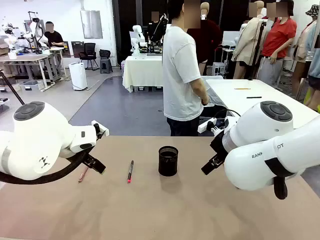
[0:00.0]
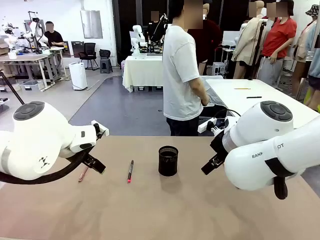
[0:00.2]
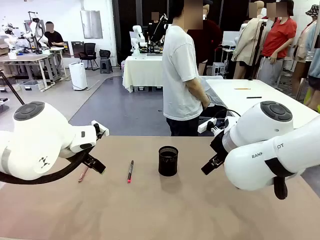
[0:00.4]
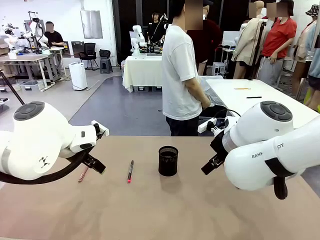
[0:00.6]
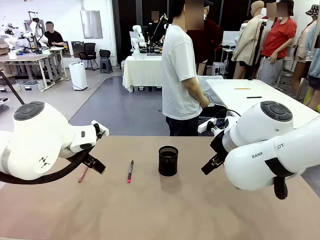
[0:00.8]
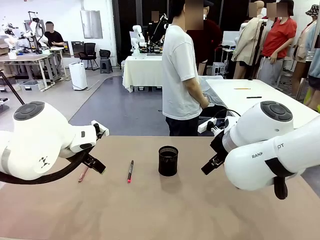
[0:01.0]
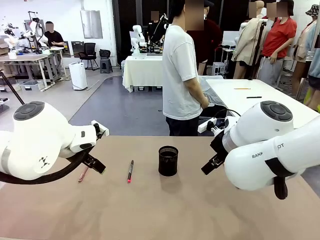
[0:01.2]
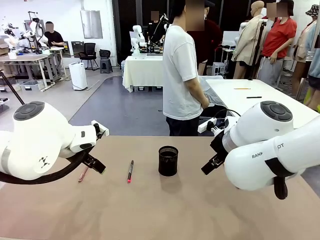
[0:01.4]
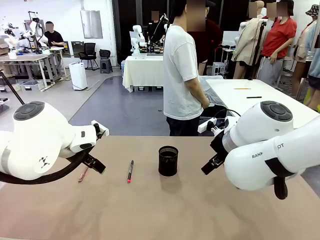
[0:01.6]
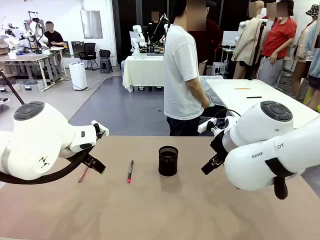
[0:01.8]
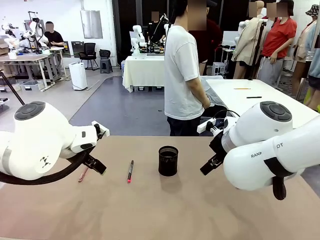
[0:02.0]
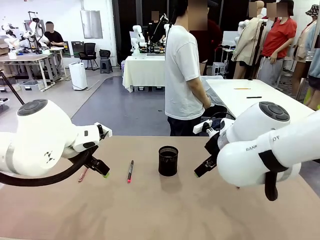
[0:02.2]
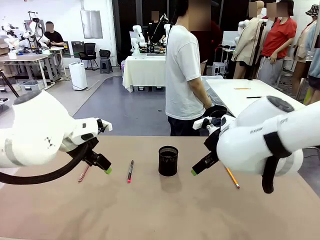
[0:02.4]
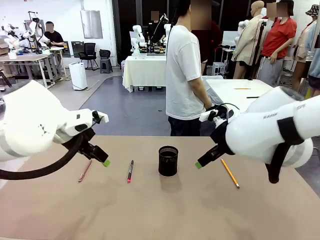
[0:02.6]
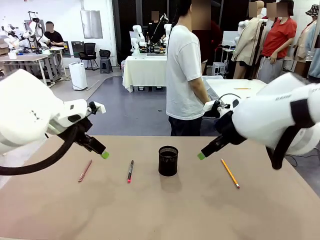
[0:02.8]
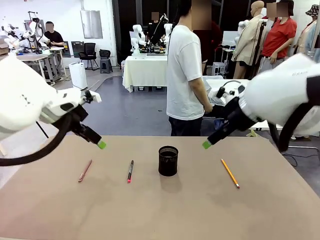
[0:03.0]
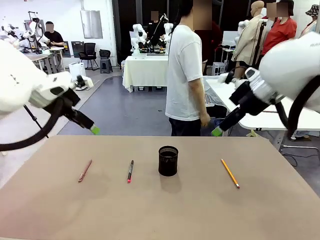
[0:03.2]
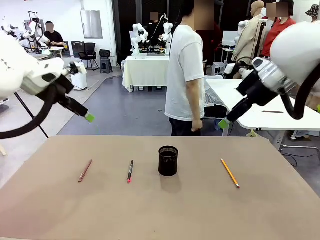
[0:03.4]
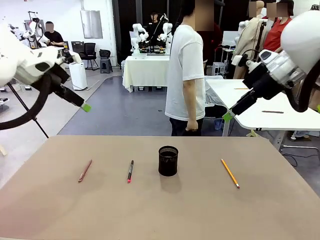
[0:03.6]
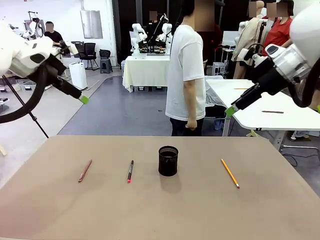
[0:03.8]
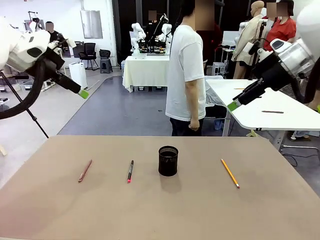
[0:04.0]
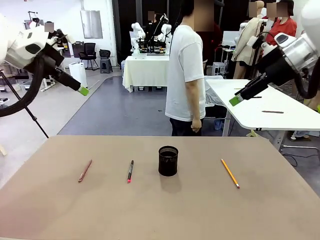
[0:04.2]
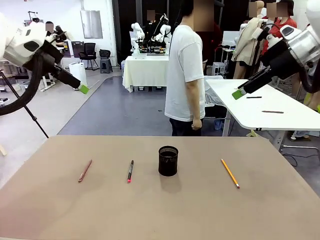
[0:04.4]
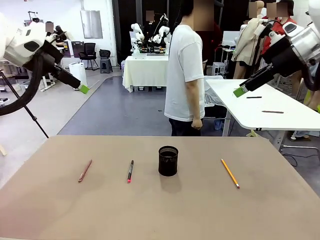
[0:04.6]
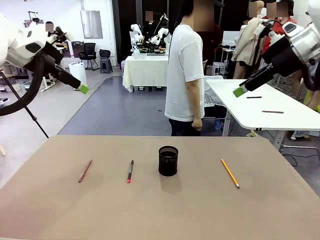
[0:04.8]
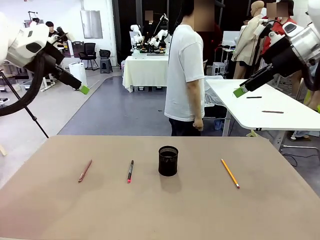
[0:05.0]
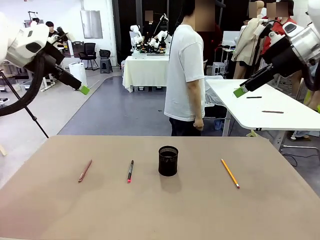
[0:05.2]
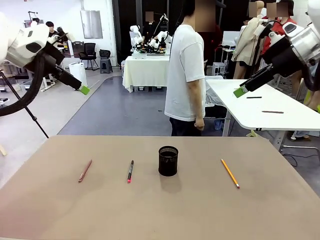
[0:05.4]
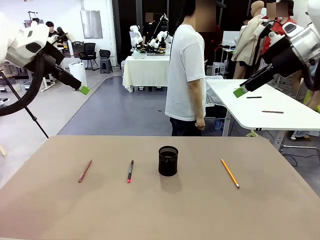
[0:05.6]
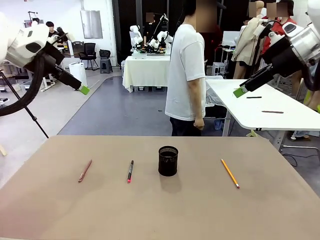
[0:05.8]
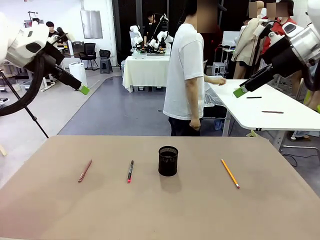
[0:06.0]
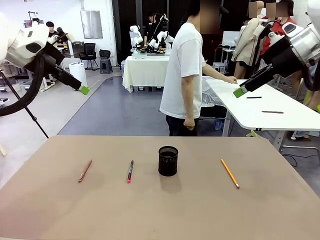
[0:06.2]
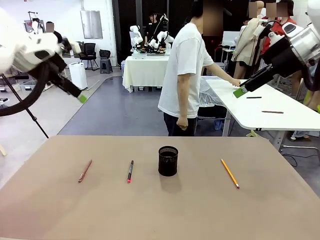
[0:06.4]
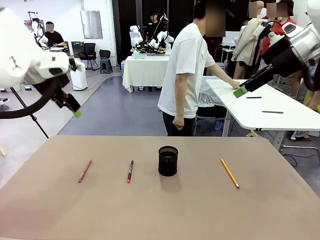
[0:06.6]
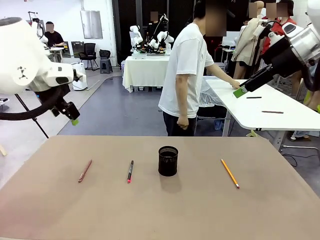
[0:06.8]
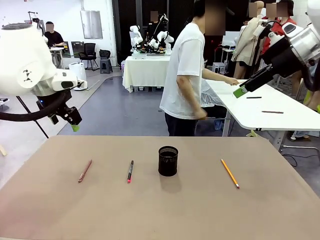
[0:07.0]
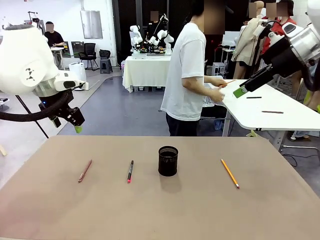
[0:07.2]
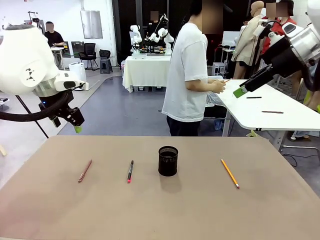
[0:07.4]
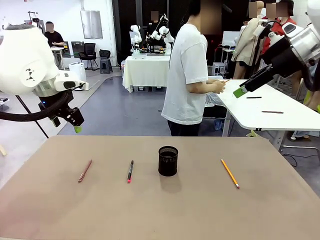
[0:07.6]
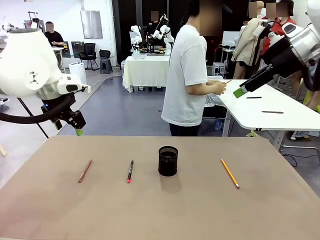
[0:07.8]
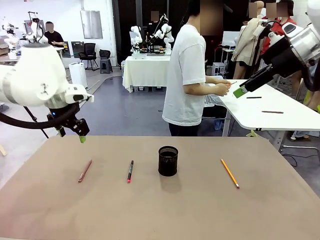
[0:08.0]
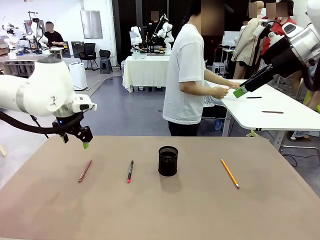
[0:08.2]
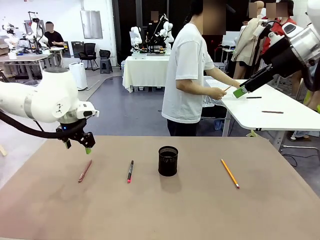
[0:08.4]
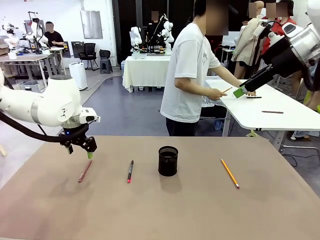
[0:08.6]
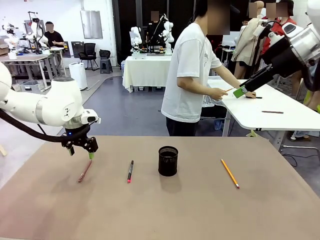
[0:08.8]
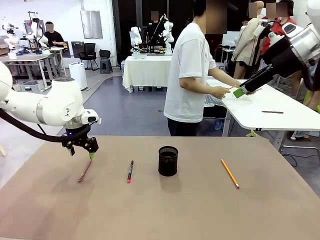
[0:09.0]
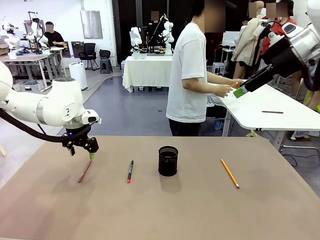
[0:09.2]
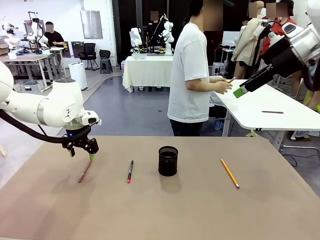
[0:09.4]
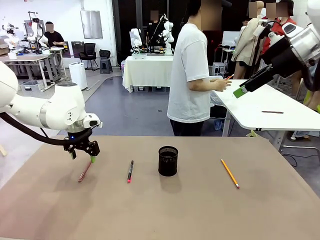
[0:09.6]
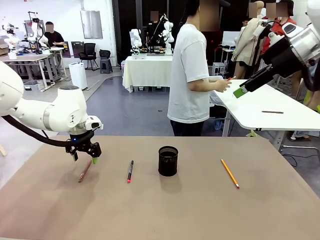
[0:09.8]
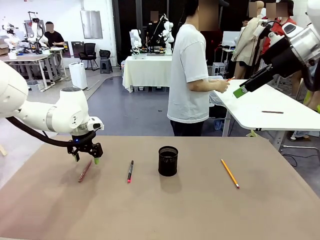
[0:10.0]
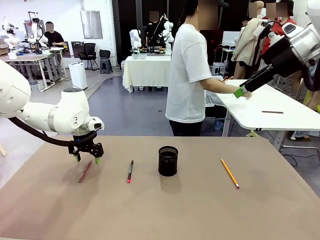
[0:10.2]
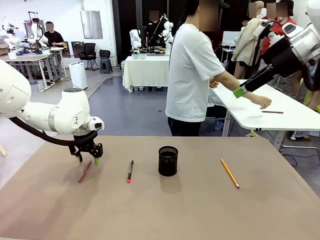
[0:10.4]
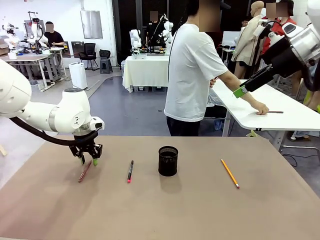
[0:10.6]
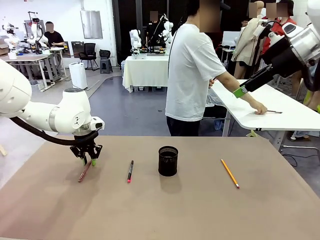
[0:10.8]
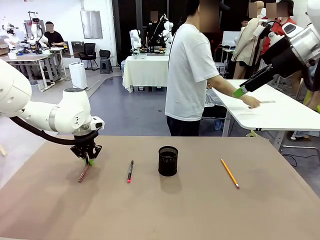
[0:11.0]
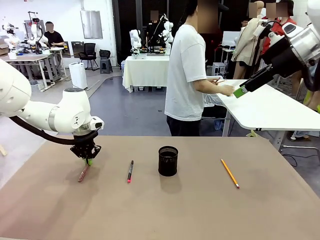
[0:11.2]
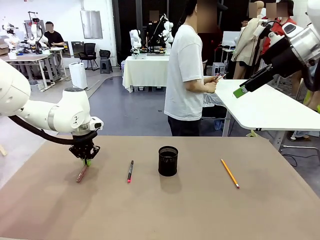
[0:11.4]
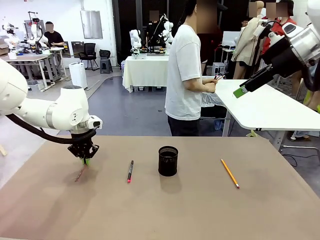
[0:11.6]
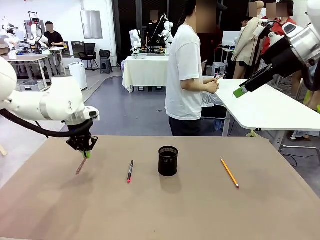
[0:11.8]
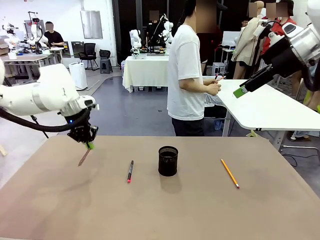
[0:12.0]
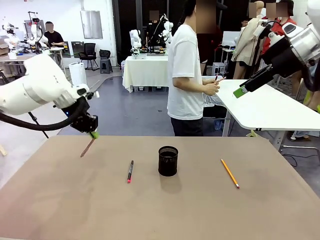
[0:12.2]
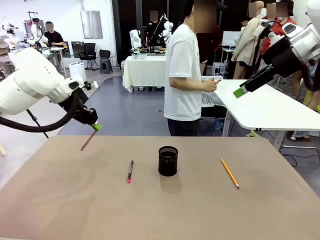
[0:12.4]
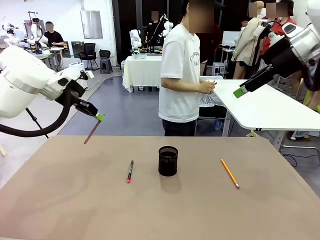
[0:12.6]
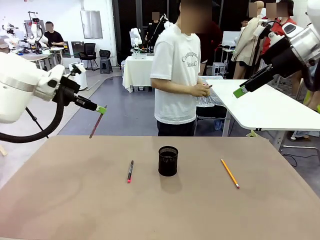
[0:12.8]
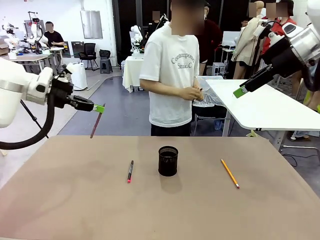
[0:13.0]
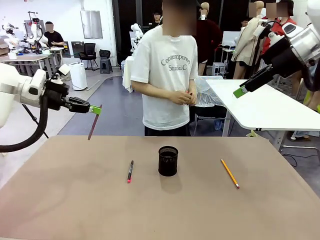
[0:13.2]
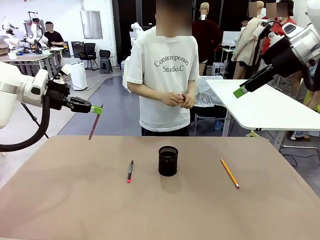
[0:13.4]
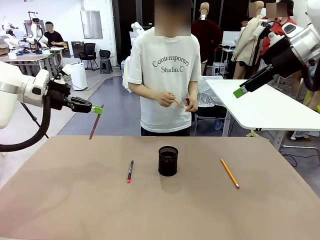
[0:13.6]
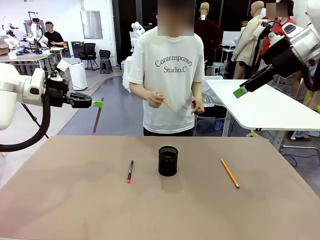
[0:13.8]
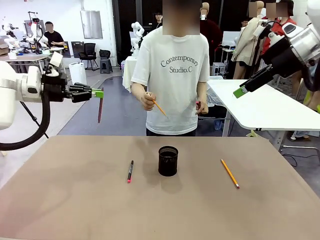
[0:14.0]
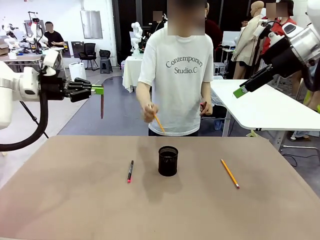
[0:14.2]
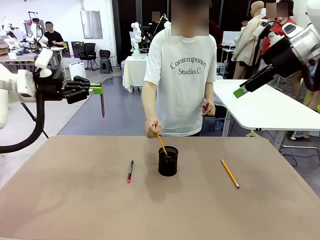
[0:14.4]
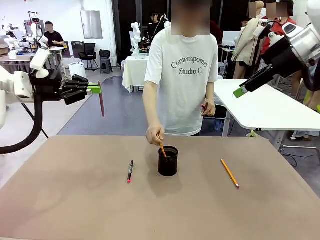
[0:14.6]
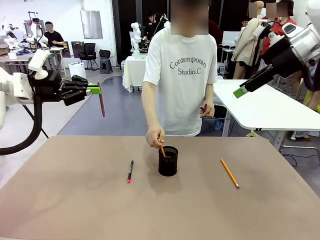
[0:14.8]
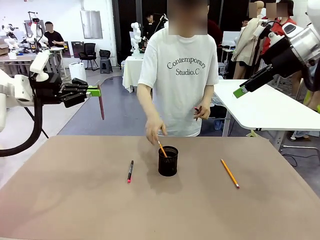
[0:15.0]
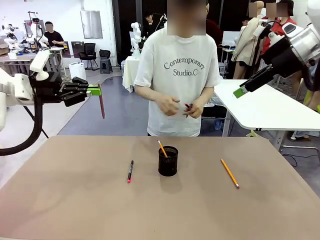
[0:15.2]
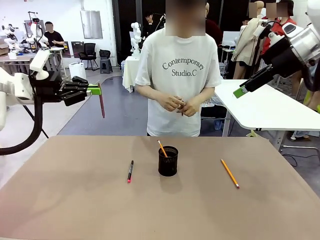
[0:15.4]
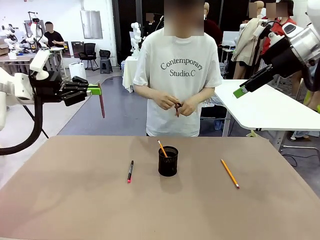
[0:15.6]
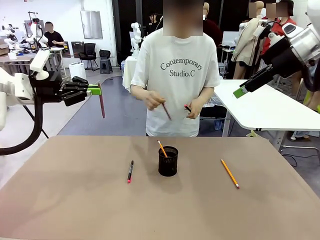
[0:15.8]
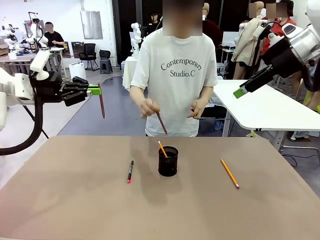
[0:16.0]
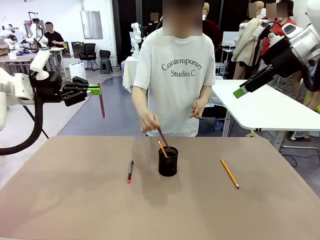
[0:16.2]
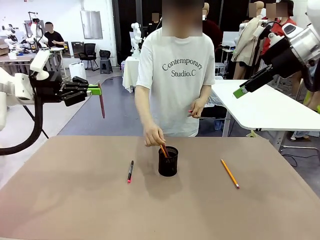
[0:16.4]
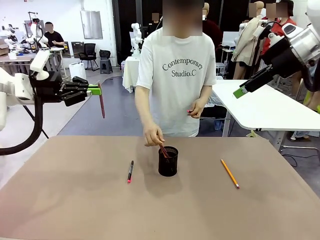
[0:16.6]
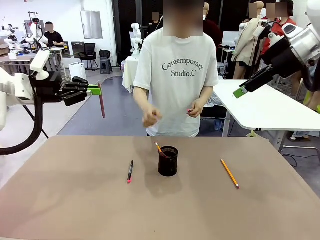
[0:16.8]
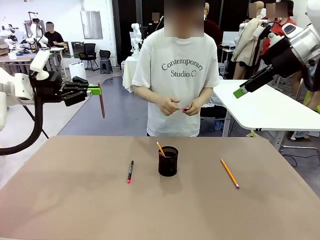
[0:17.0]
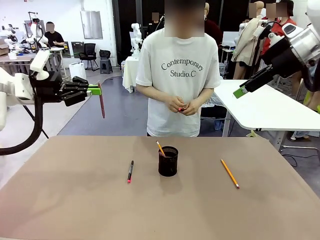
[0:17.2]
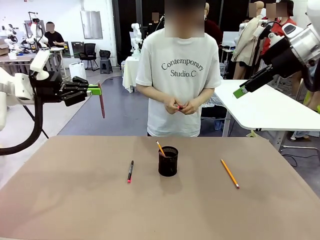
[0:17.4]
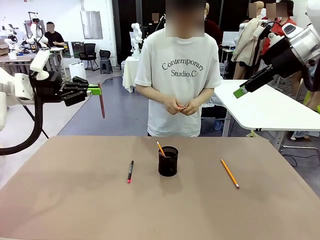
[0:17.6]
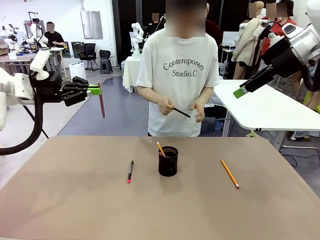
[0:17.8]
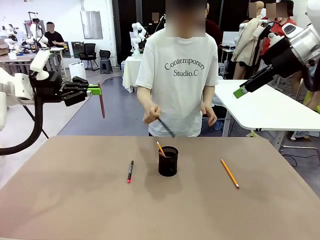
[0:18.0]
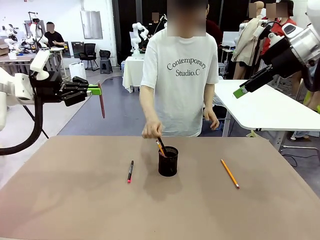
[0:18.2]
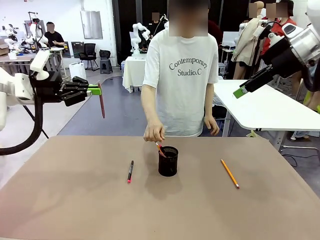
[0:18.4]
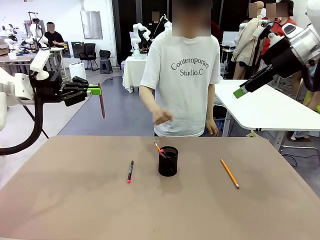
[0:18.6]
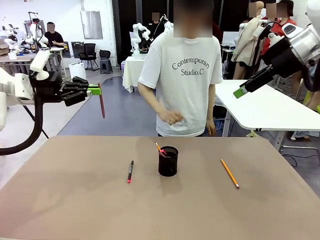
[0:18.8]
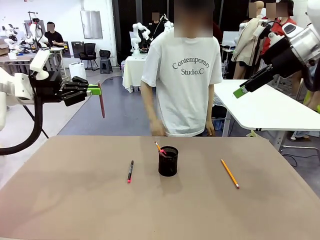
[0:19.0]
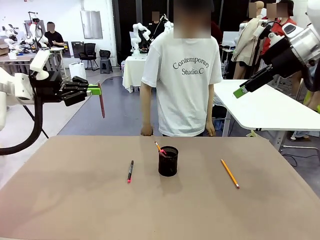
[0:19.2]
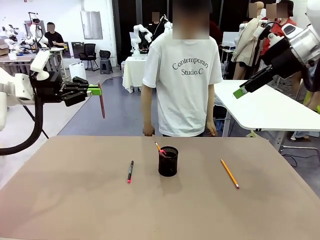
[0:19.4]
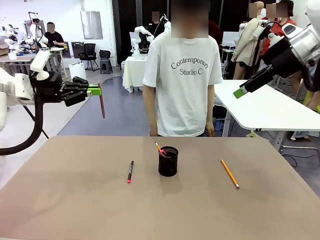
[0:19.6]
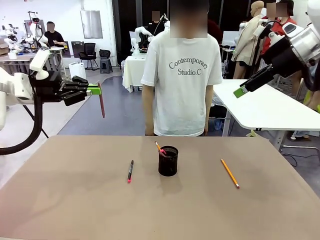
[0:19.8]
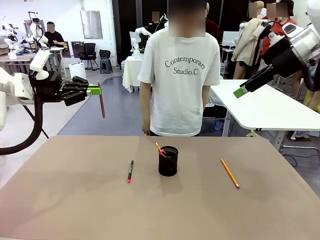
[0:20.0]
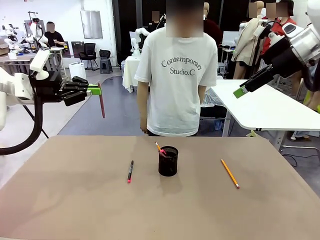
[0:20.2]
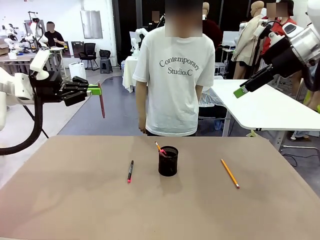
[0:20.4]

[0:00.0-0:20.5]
Task: Place the pens into the pen holder.
Robot: Pick up a writing instrument from the table and place it into the Pen holder.
Person: Pick up all writing instruments from the Human table.
